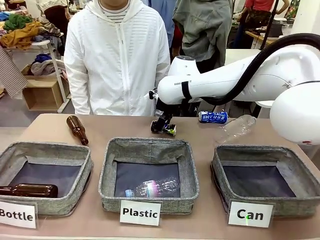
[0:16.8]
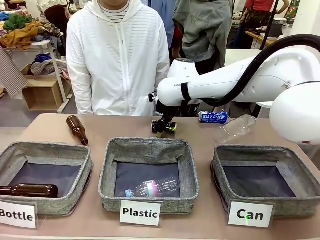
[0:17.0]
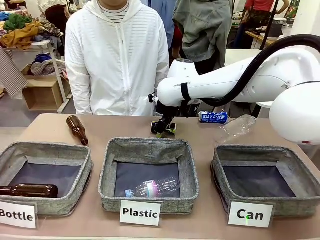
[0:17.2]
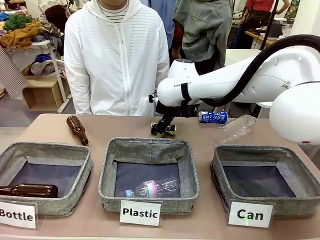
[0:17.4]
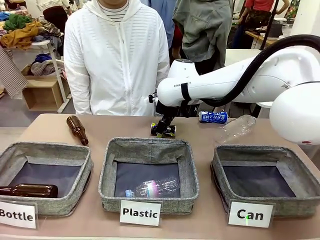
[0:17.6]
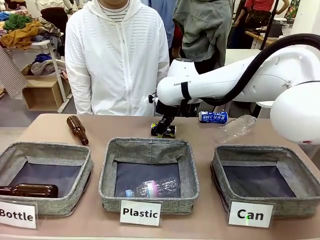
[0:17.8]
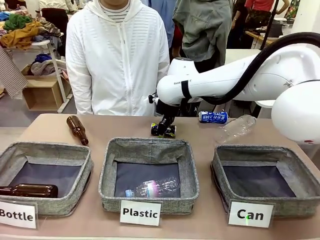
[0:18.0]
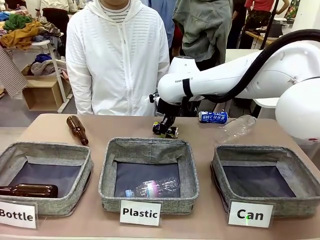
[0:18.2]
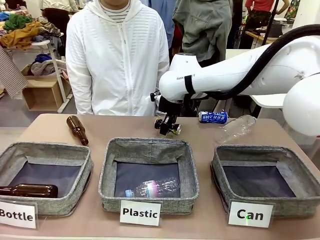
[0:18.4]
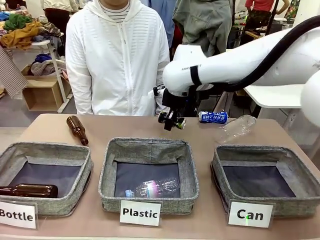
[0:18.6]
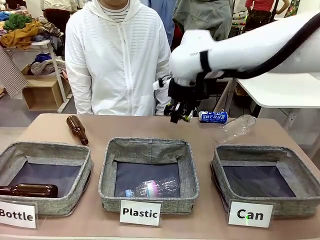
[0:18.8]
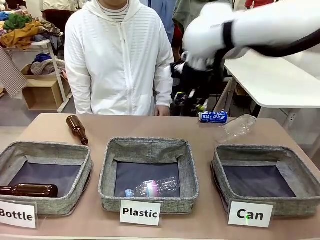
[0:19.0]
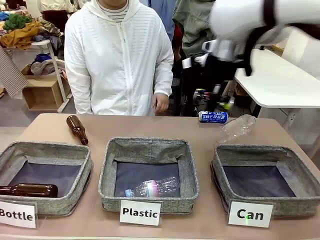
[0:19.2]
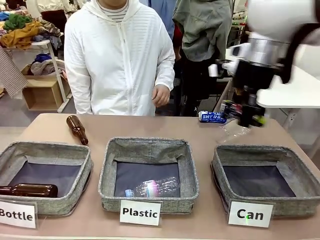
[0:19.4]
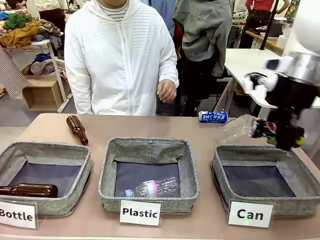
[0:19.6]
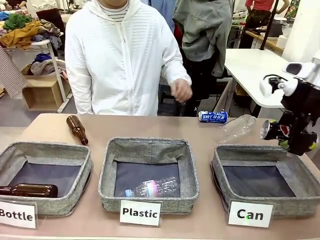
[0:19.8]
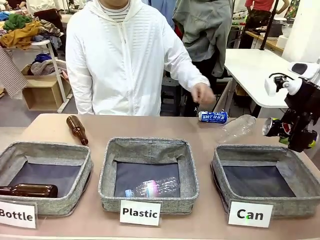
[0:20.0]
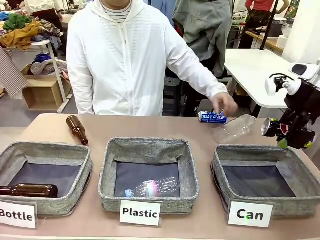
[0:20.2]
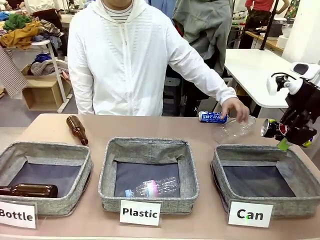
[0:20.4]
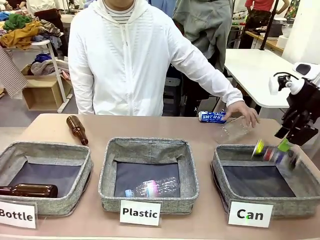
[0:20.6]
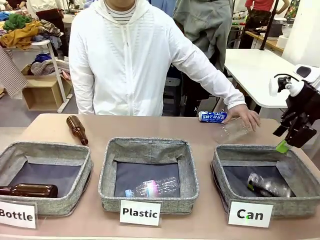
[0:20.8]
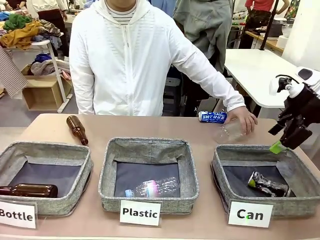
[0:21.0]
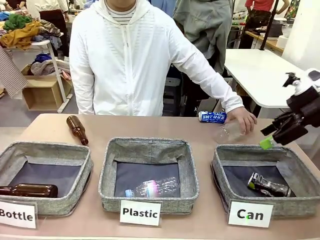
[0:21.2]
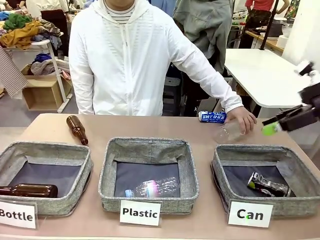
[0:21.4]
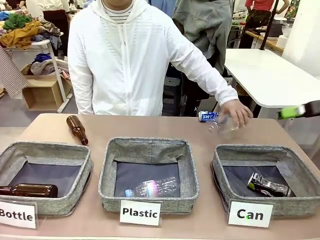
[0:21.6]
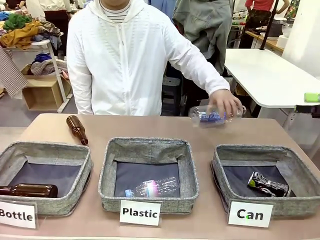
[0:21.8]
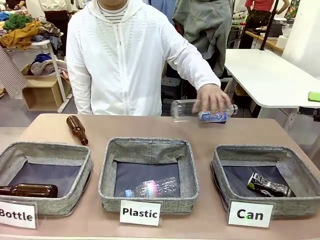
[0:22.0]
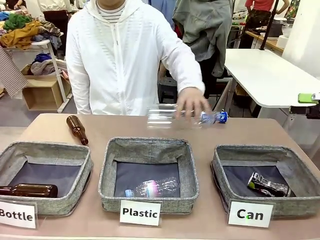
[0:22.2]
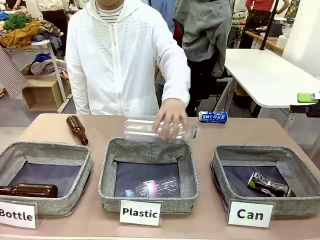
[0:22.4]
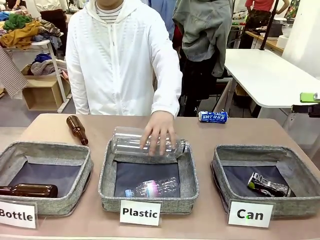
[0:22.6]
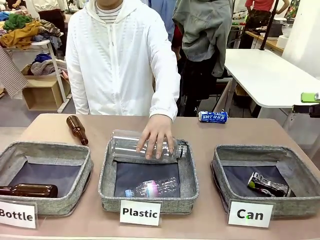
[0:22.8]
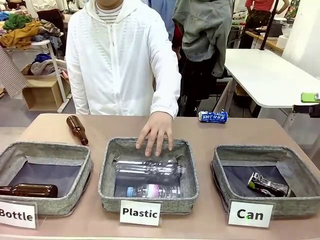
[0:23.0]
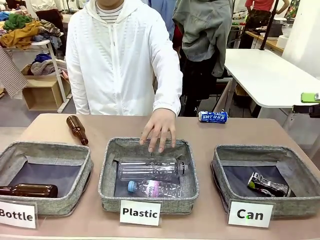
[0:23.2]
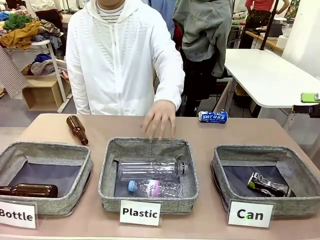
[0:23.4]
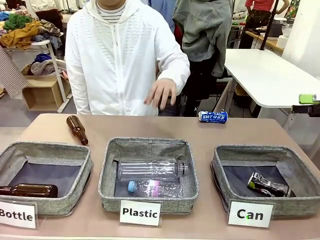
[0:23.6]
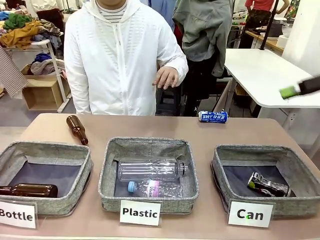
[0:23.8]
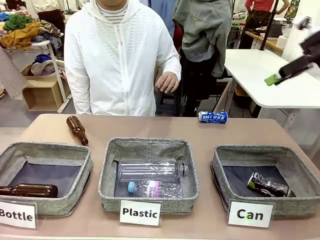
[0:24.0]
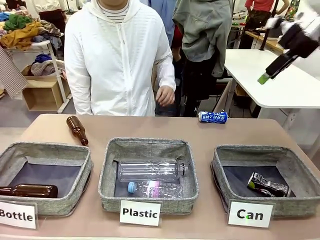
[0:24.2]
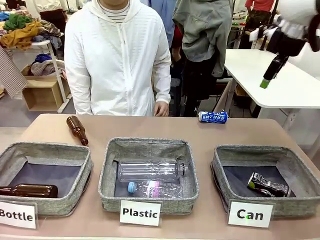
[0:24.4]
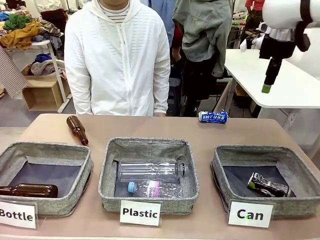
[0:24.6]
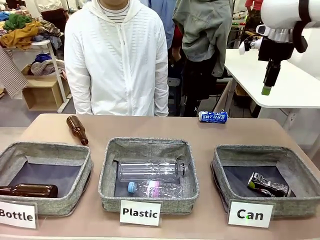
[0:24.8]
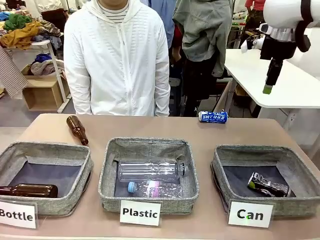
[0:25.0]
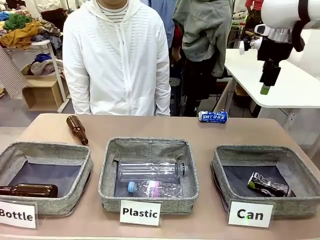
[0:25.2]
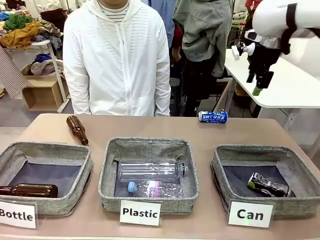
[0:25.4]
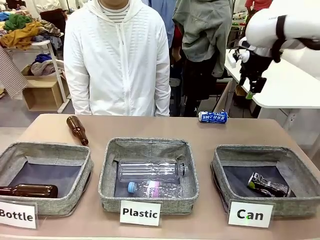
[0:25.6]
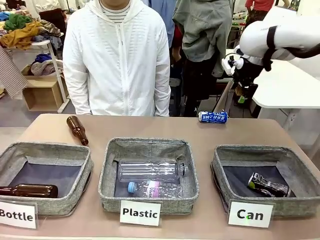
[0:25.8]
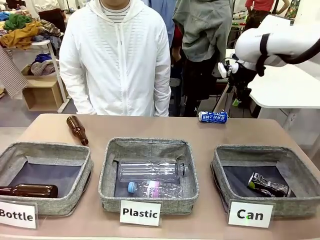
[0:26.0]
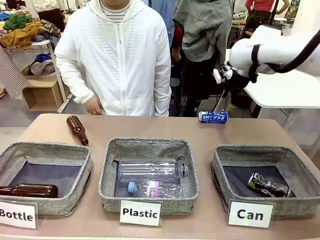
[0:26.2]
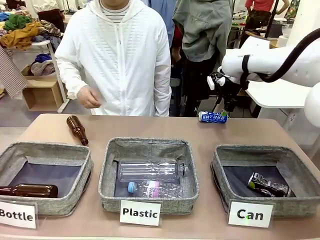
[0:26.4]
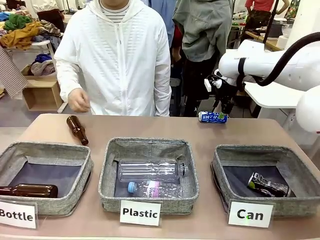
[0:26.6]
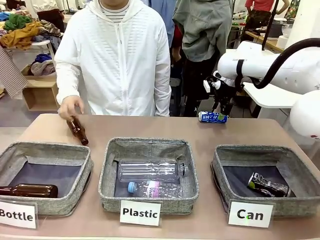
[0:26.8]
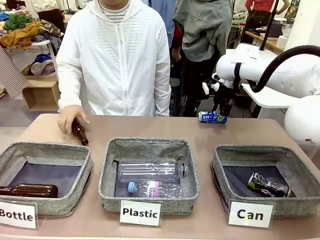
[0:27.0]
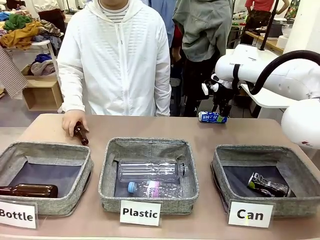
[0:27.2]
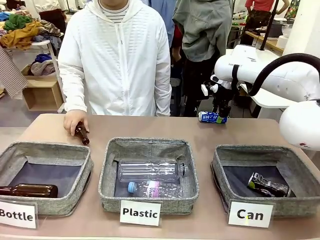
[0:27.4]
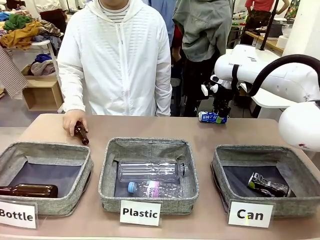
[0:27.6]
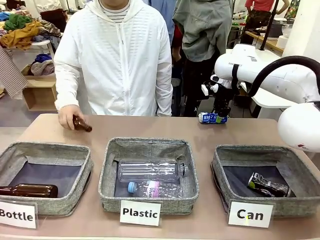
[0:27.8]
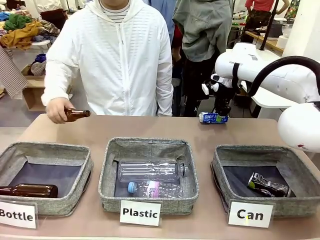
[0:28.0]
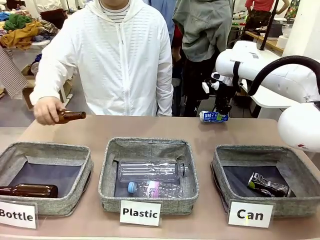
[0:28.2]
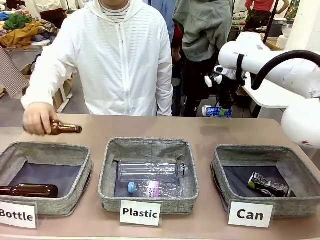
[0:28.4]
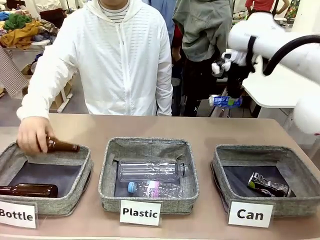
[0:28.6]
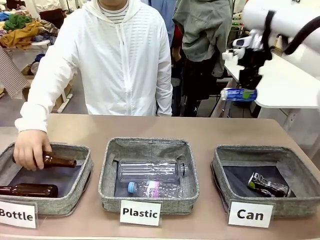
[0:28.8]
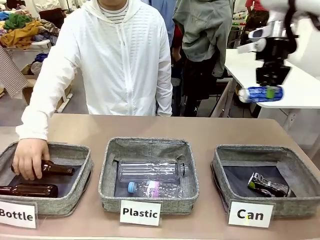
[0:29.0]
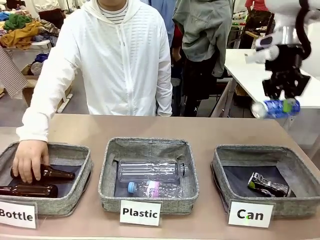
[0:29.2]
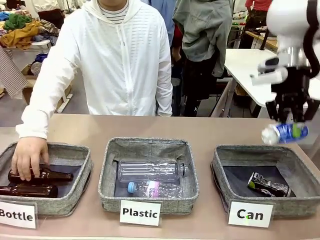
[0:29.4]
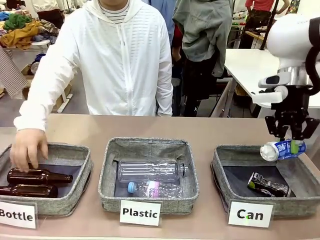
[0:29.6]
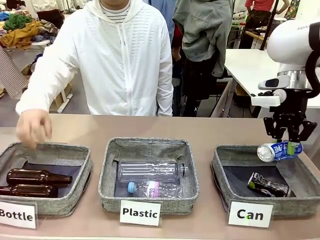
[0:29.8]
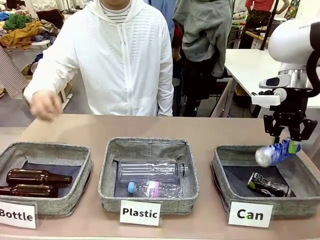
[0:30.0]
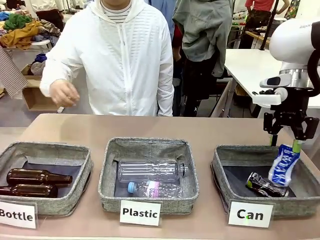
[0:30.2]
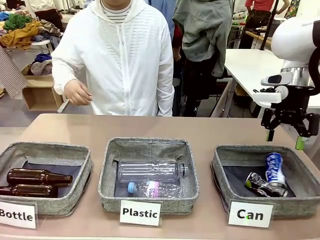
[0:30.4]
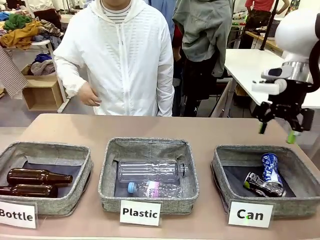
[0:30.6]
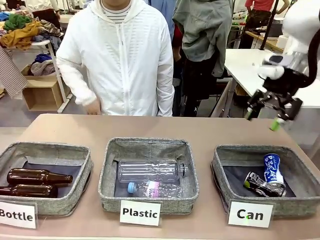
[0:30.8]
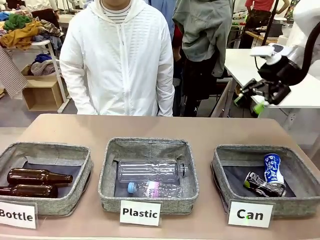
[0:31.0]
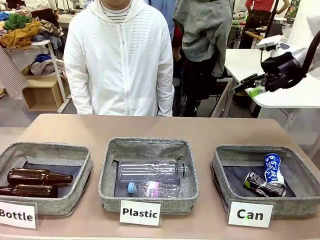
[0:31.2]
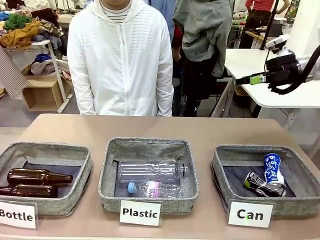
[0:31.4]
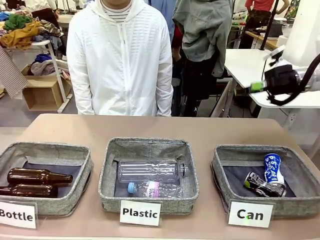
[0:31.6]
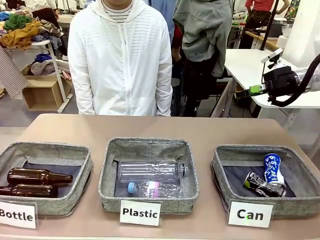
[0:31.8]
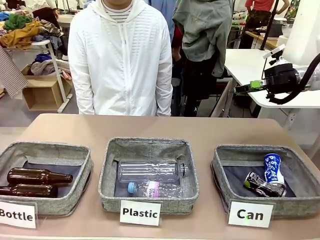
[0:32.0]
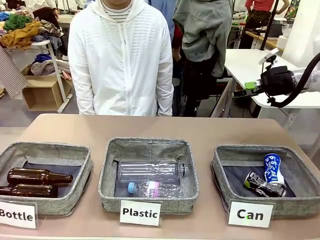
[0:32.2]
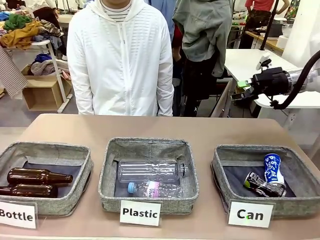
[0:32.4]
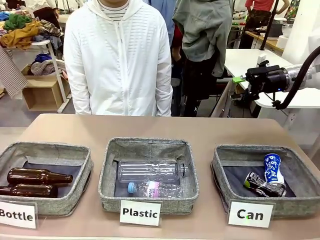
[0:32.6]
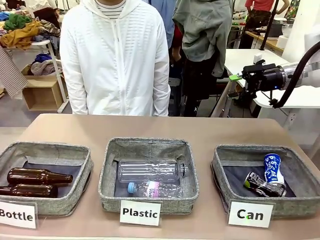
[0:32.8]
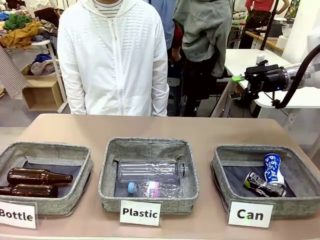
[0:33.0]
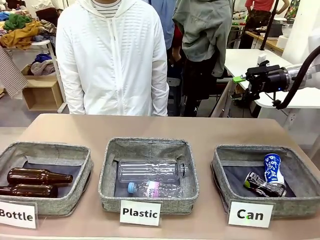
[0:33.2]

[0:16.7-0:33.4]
Task: Sort the can waste into the basket.
Robot: Pick up the can waste from the table and place it in the right Fabric basket.
